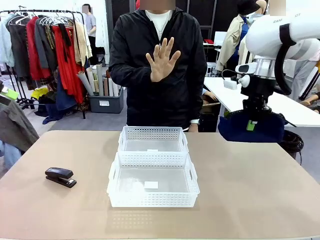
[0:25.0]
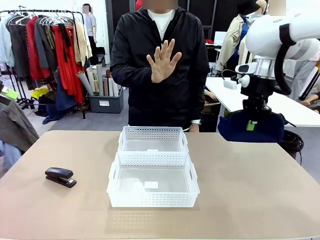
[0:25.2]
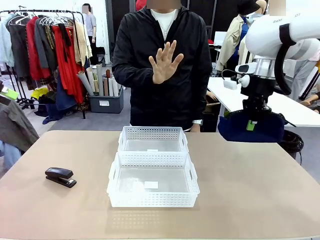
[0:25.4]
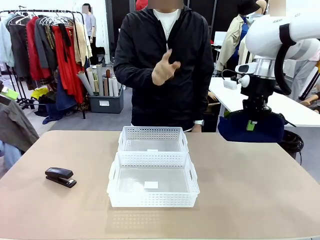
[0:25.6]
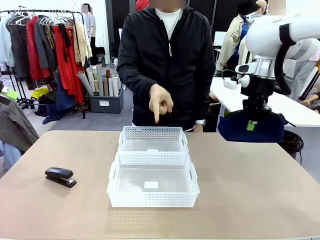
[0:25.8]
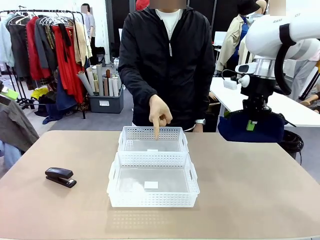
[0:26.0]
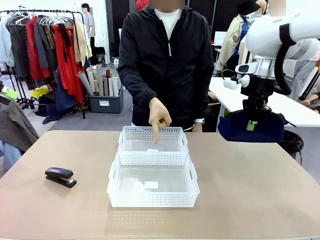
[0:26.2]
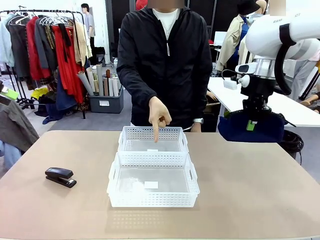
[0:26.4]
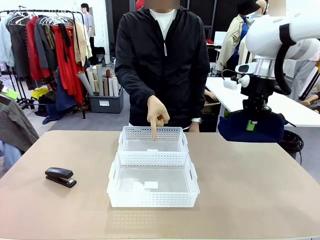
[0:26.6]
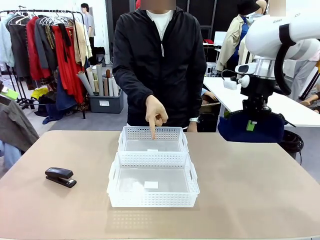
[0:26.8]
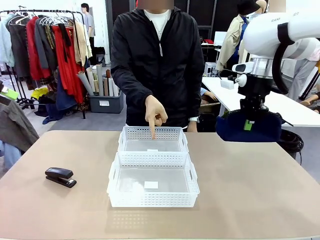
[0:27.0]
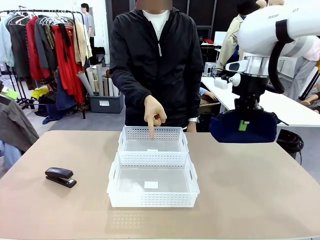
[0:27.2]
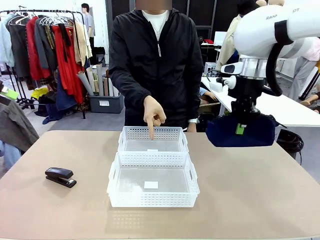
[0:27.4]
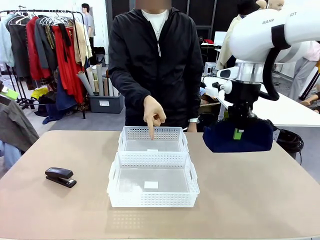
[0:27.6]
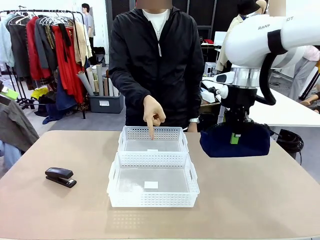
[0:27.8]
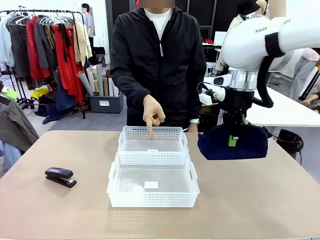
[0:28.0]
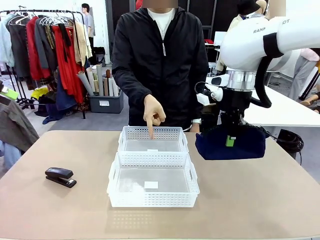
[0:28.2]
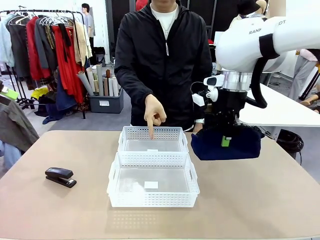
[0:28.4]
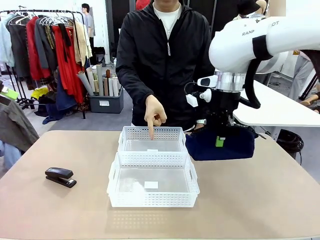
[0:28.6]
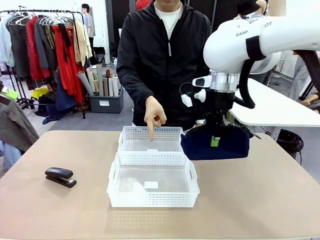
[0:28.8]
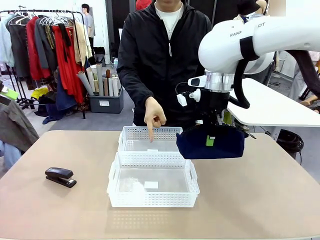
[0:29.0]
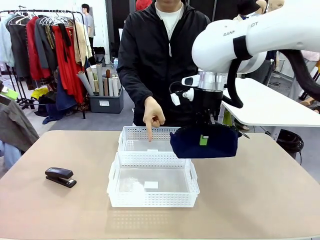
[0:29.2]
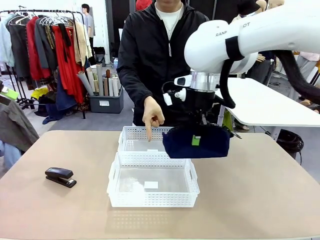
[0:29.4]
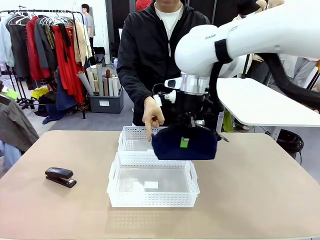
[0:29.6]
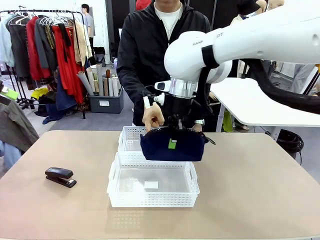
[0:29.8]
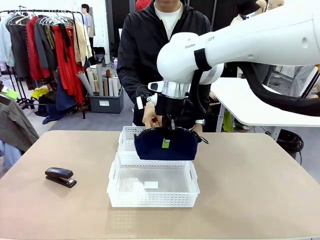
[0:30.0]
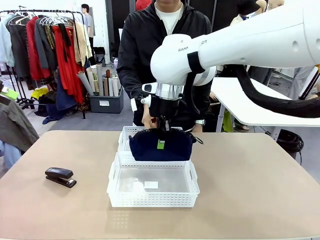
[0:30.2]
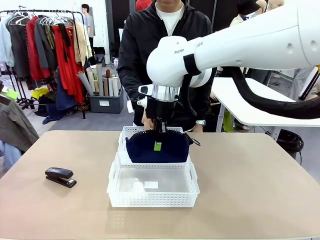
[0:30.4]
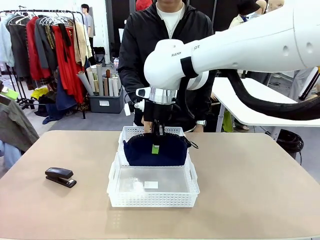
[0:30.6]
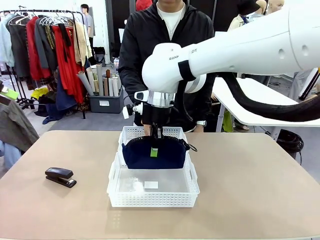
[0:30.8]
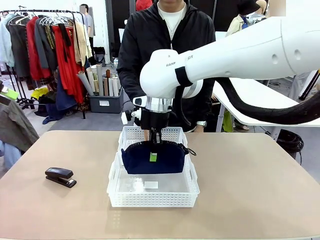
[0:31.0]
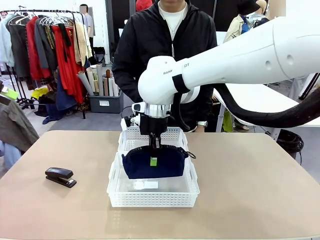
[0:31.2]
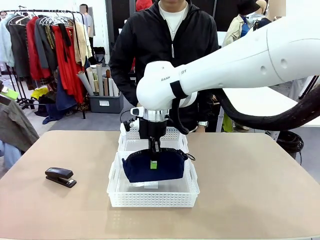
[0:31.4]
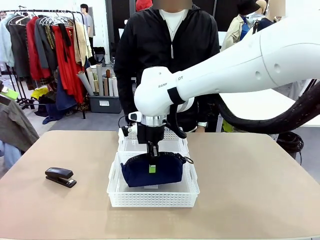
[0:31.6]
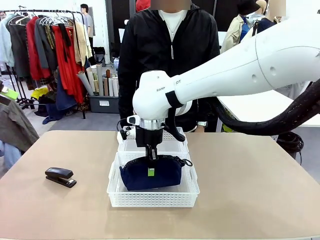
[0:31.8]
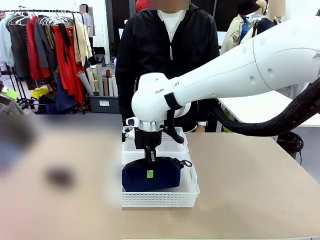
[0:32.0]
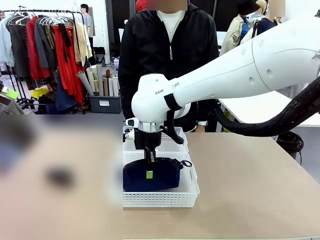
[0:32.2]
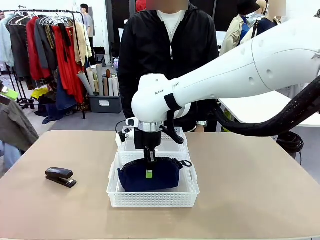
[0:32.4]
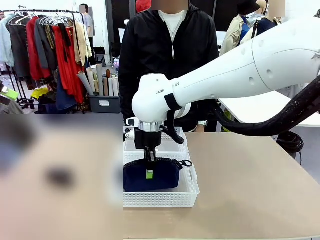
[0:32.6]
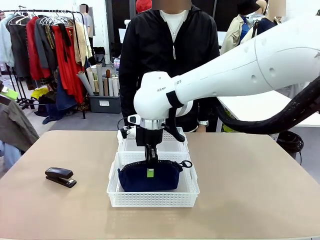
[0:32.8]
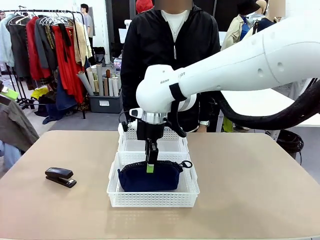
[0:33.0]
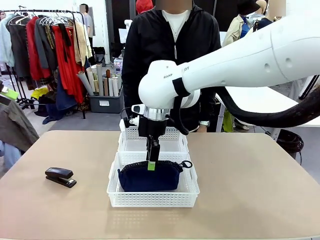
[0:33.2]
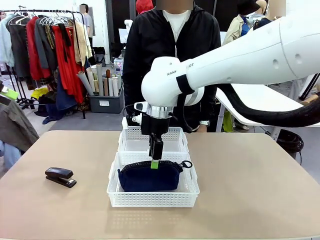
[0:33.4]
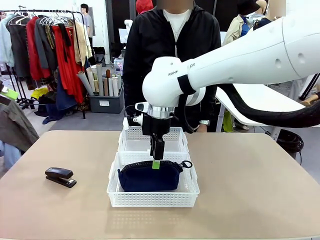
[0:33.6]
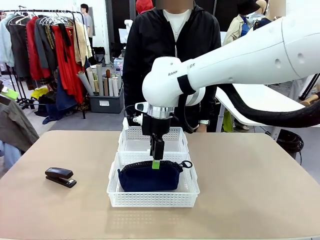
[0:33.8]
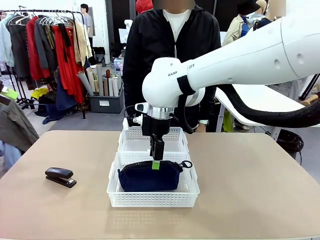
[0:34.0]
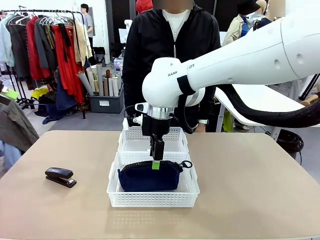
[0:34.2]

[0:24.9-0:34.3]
Task: Distribute items into two baskets.
Robot: Place the picked Pencil pouch into the Organizing basket as instructed by the person.
Person: Instructs the robot to place the pencil case into the opposite basket. Points to the stapler.
